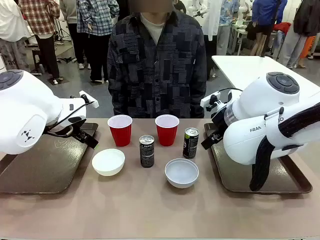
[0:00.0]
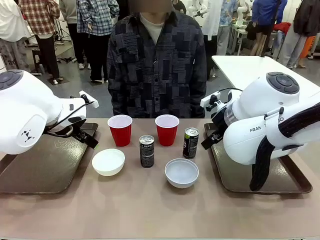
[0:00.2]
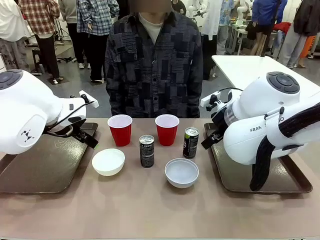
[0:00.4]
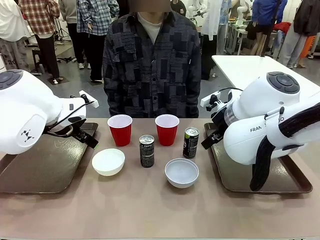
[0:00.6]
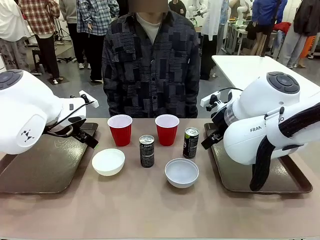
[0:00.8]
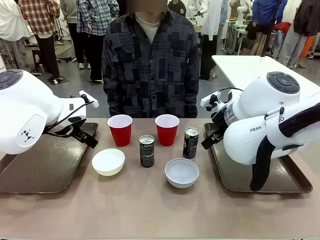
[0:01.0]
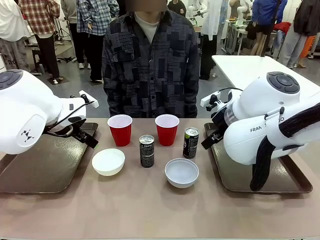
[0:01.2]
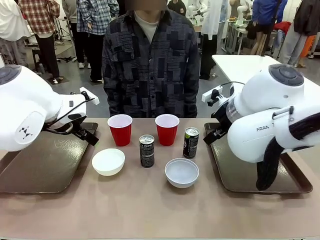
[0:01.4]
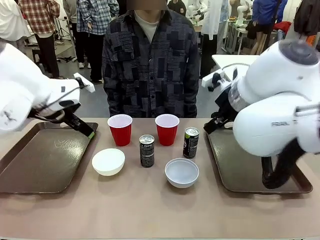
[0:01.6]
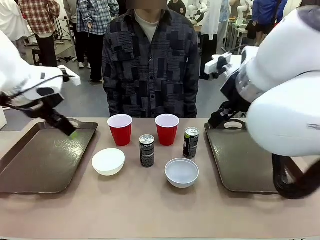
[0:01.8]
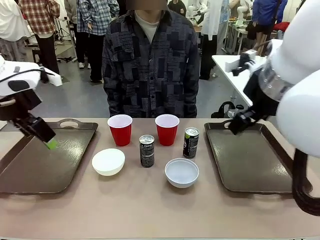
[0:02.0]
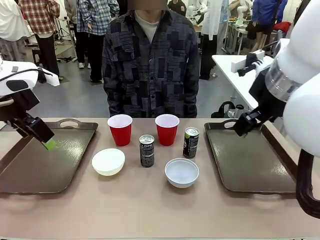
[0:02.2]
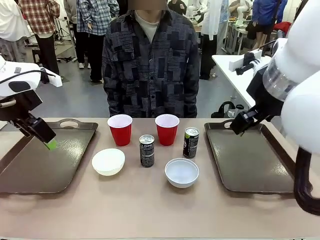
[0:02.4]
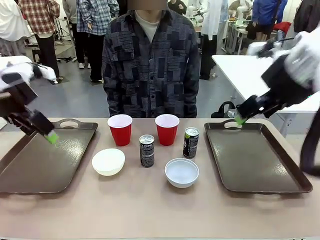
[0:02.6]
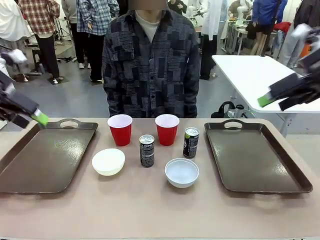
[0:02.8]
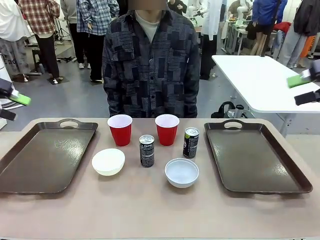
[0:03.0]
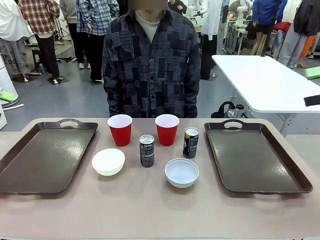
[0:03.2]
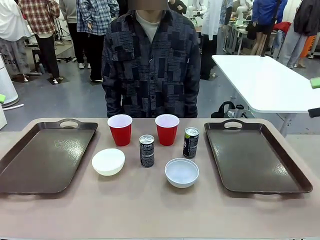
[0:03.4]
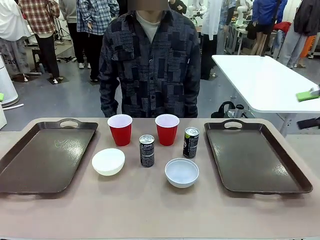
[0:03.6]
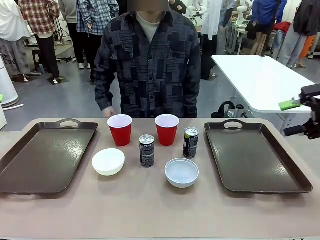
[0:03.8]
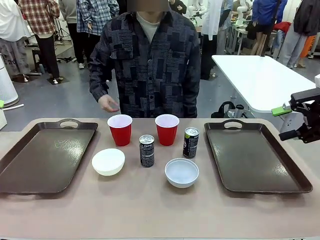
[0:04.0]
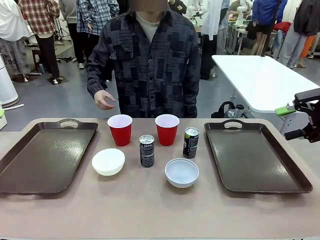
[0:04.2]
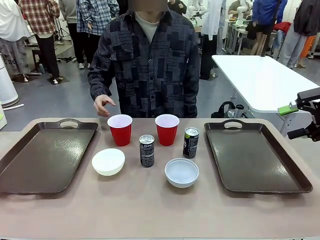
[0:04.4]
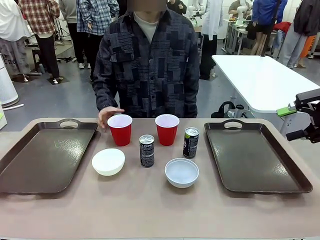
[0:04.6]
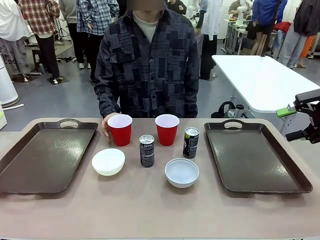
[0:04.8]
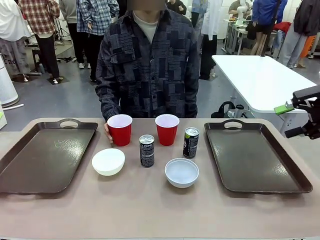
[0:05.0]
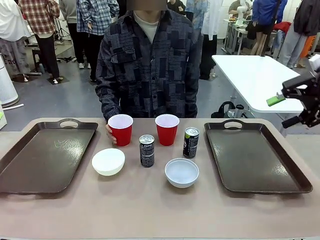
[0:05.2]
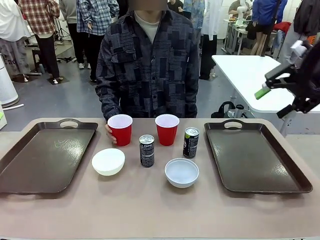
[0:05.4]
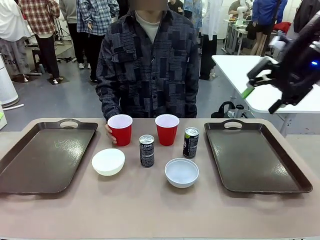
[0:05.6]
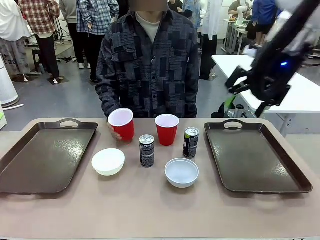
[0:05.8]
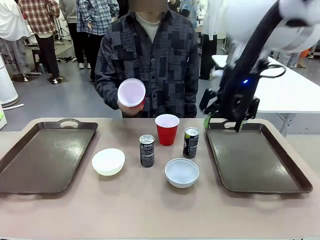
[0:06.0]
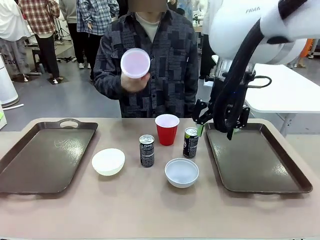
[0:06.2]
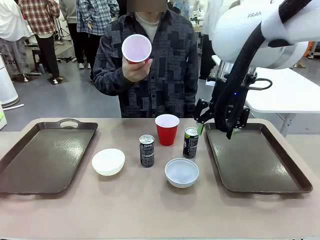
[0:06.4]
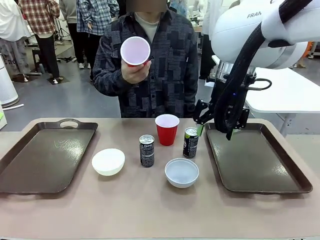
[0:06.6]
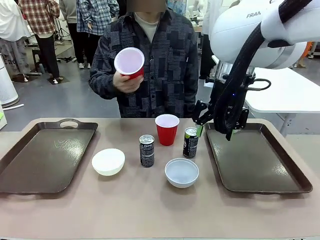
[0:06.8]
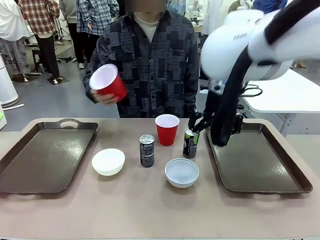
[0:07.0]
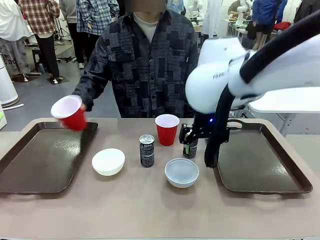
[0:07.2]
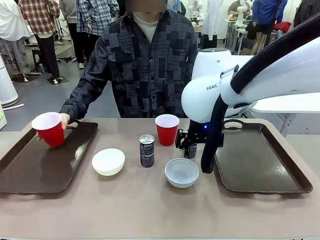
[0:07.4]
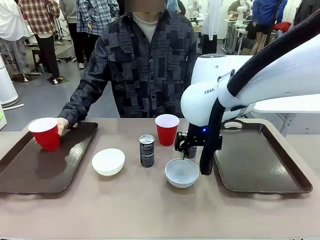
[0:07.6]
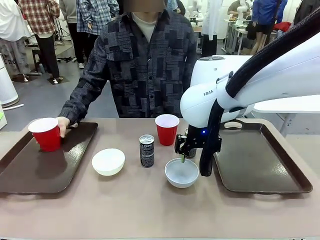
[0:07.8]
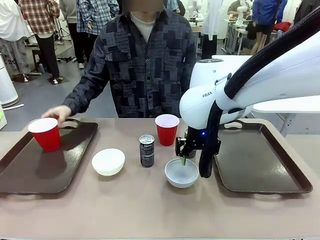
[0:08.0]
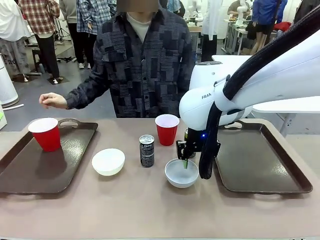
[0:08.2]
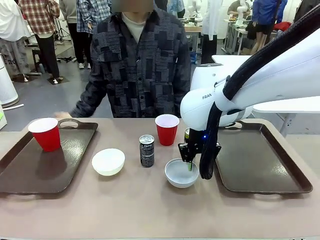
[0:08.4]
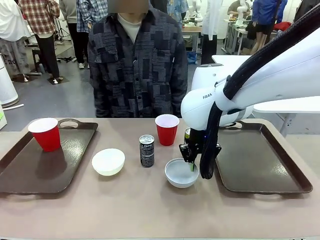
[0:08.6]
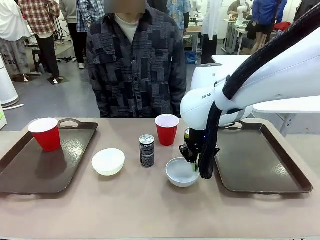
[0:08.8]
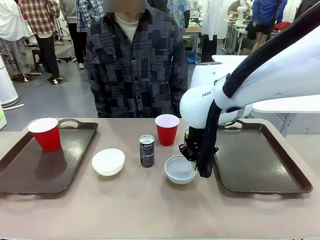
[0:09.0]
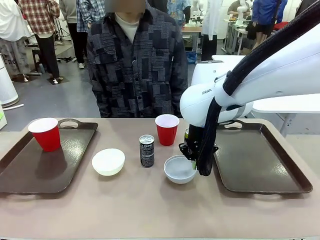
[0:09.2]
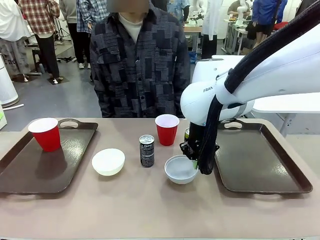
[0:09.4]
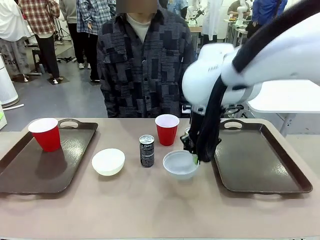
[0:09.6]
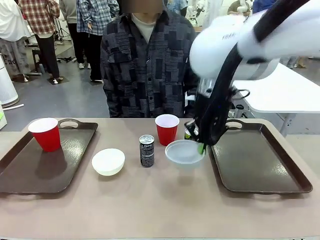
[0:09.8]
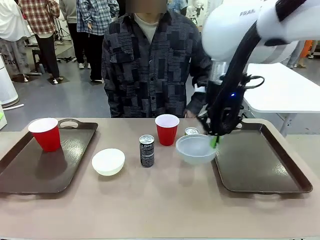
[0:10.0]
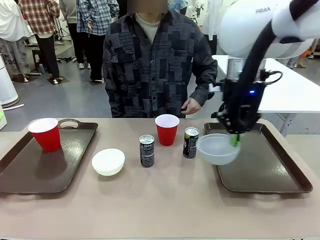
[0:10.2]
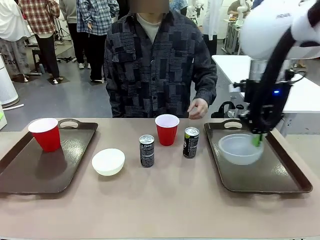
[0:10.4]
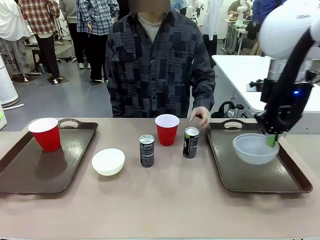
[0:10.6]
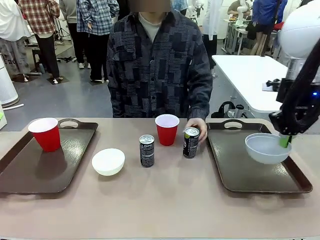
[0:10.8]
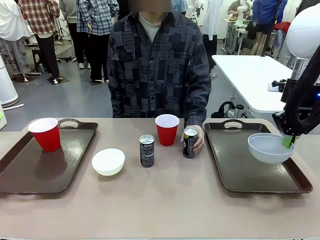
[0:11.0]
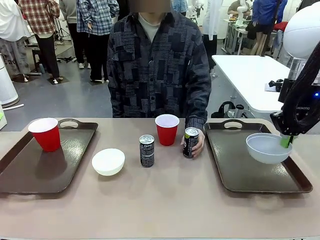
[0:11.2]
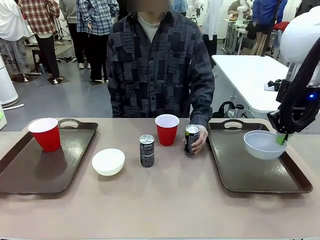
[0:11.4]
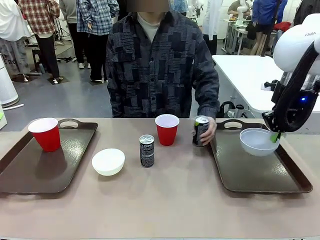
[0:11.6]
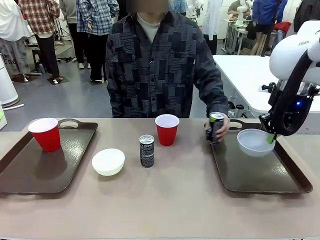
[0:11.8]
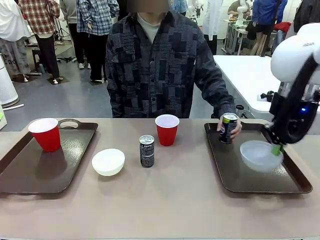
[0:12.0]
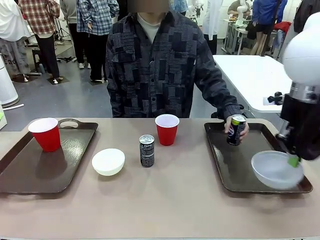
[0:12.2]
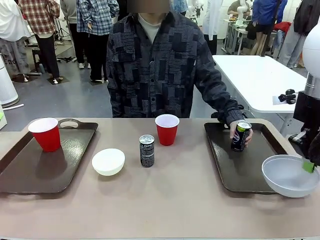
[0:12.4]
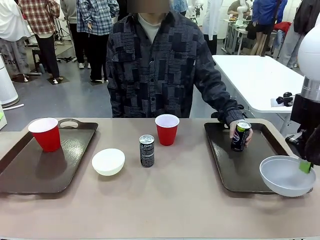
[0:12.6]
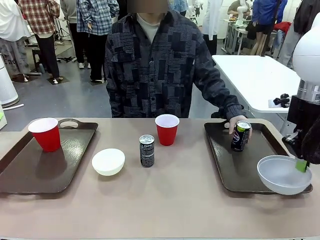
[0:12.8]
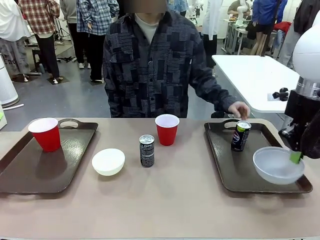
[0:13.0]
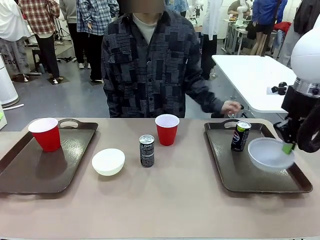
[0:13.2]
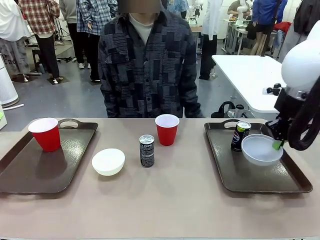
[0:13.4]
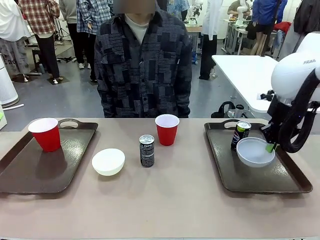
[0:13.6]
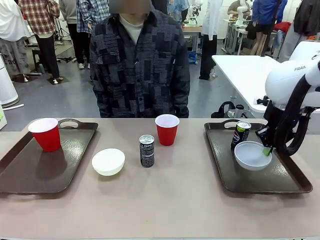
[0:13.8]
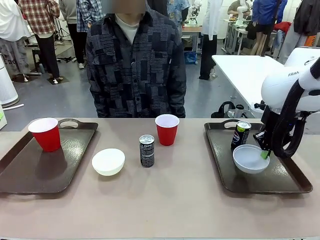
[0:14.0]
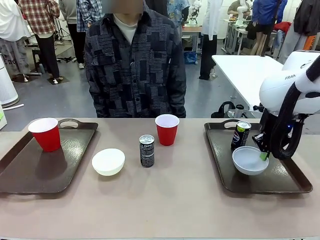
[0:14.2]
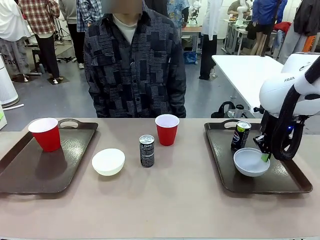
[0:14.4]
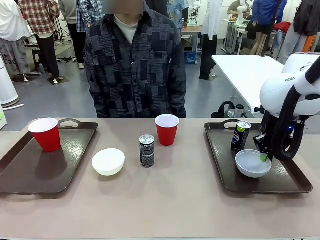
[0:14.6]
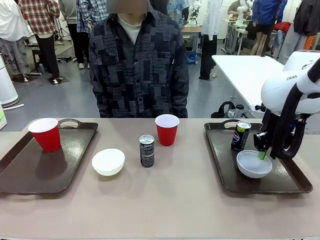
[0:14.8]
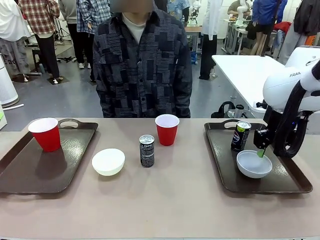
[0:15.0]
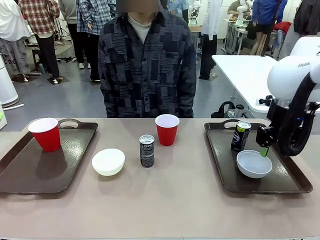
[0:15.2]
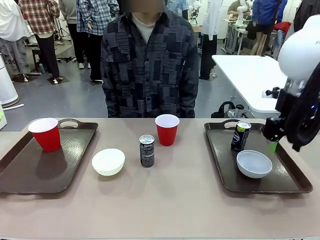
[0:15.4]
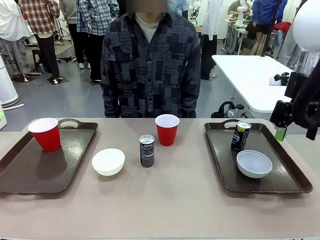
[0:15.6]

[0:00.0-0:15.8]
Task: Prepare tableware on both trays.
Robot: Pick up a Picnic Bowl from the table and place it on a Handle tray.
Person: Pick up a can or cup and place it on the tray.
